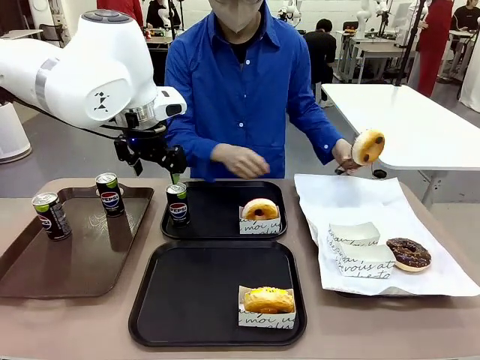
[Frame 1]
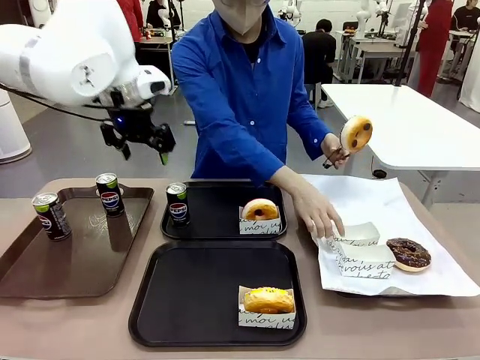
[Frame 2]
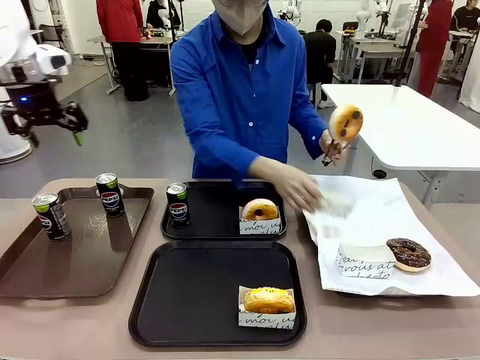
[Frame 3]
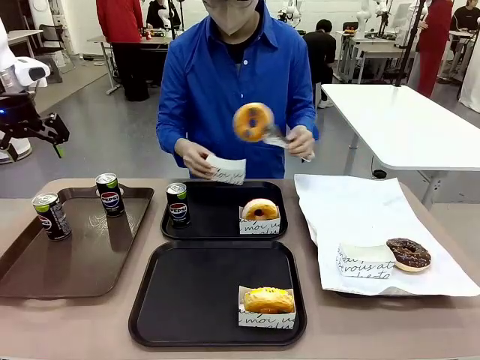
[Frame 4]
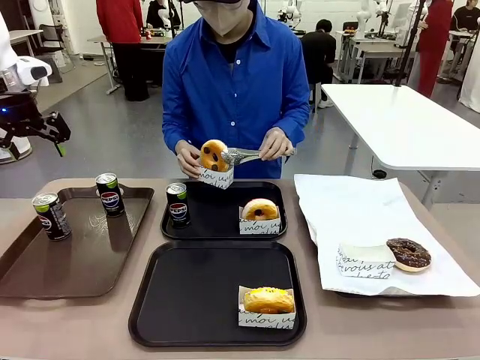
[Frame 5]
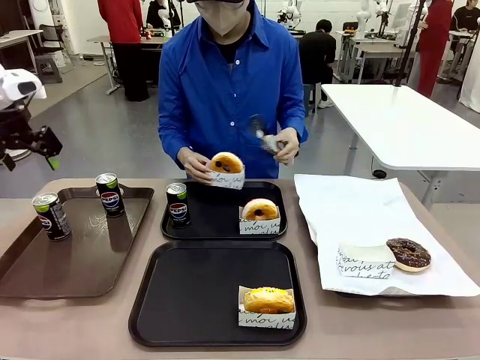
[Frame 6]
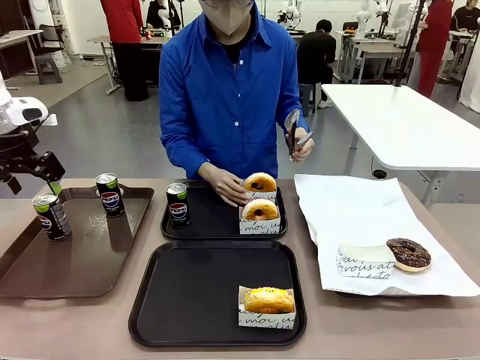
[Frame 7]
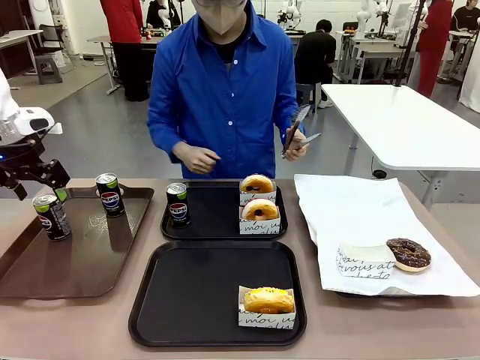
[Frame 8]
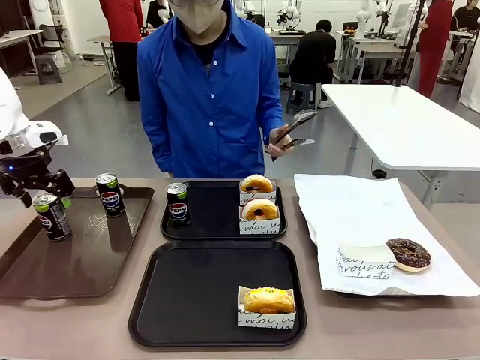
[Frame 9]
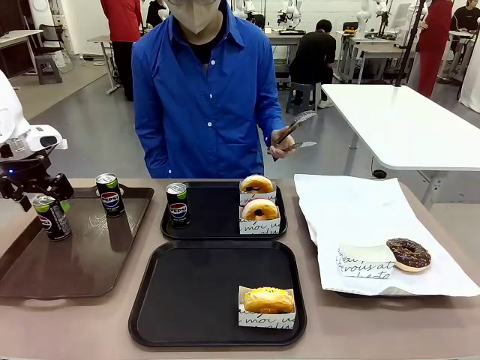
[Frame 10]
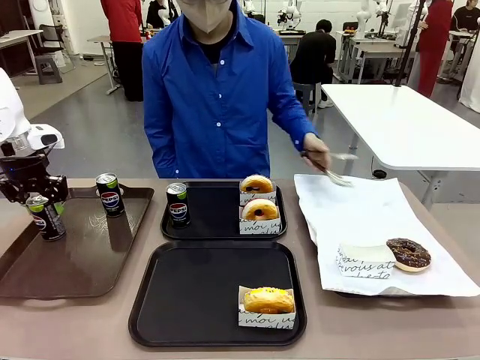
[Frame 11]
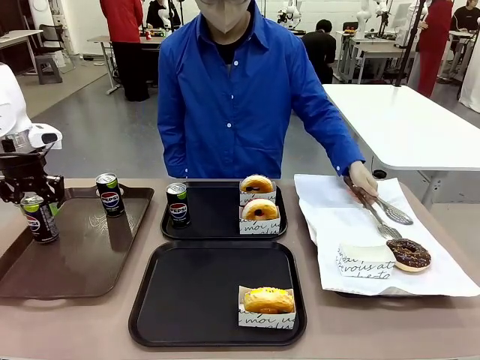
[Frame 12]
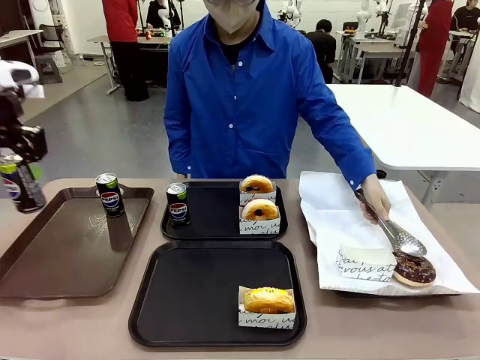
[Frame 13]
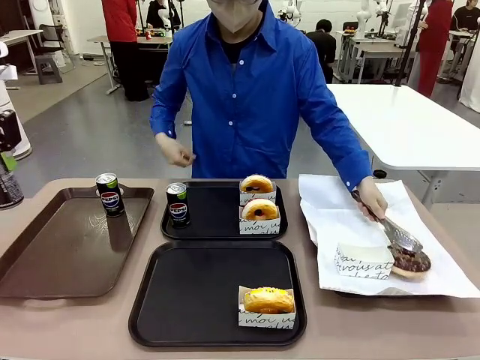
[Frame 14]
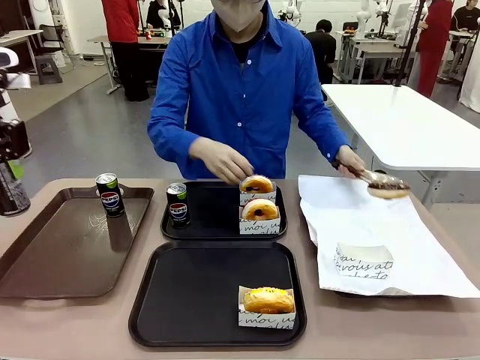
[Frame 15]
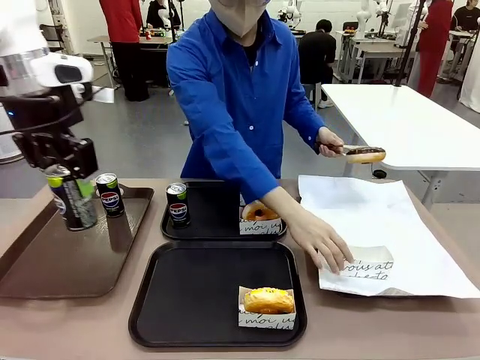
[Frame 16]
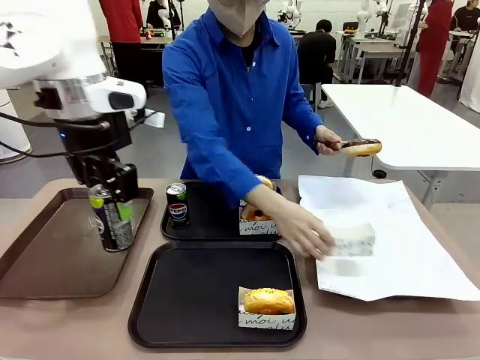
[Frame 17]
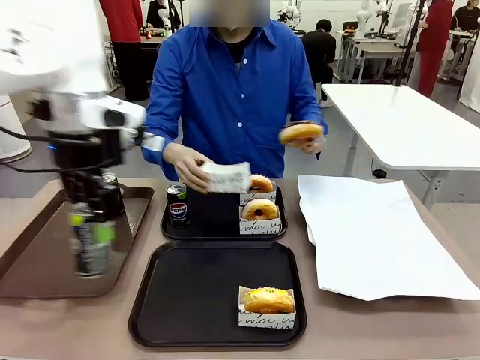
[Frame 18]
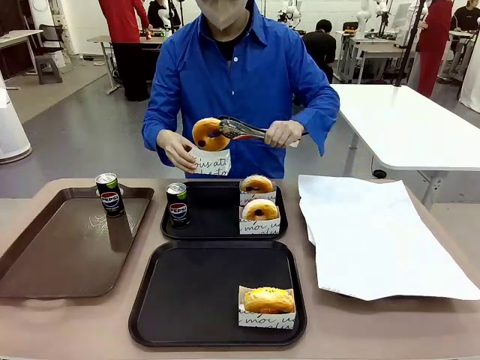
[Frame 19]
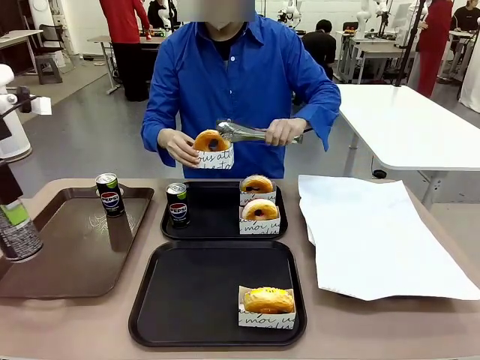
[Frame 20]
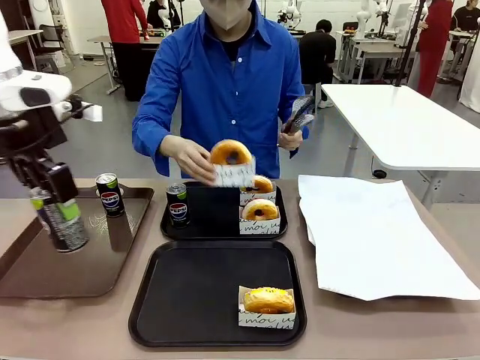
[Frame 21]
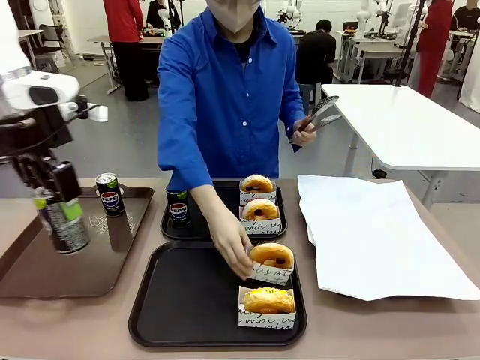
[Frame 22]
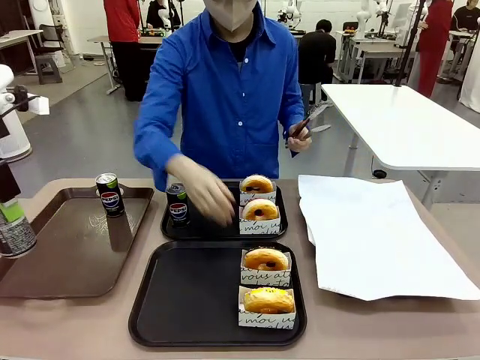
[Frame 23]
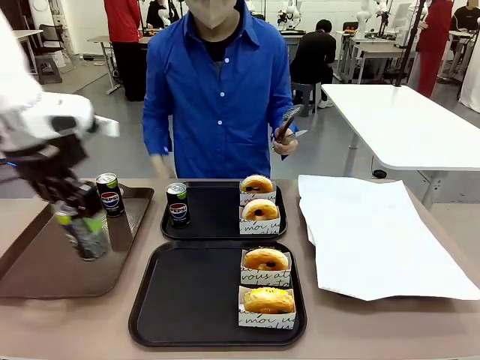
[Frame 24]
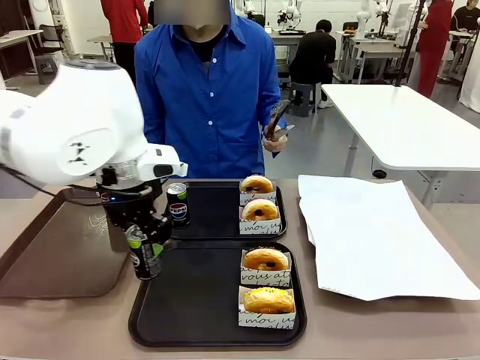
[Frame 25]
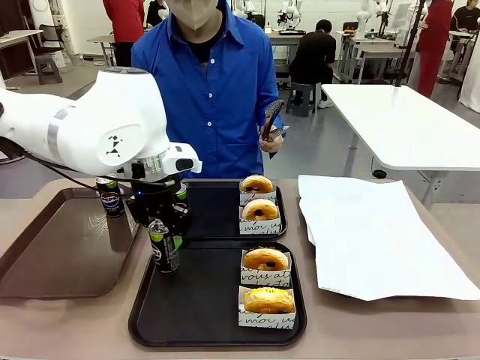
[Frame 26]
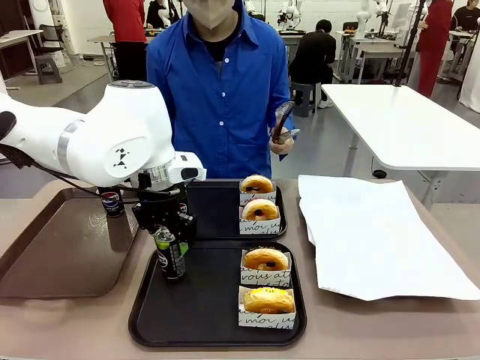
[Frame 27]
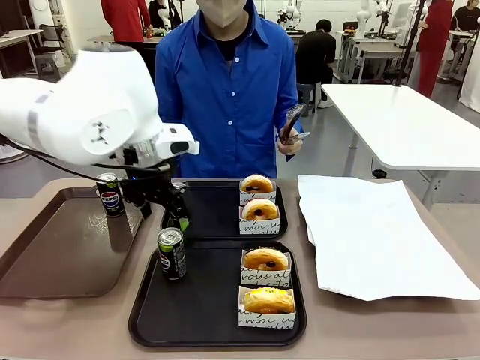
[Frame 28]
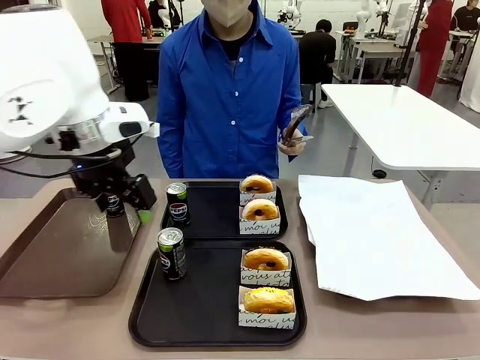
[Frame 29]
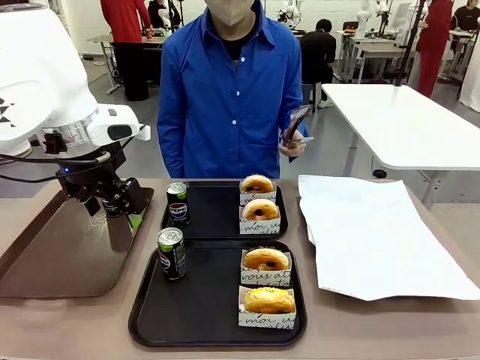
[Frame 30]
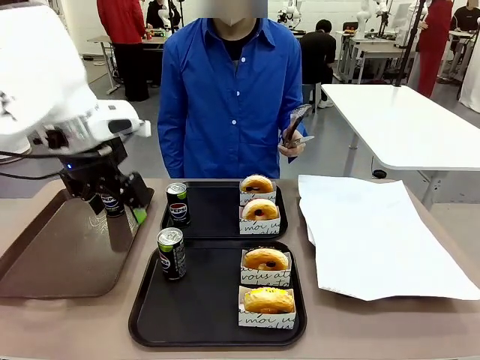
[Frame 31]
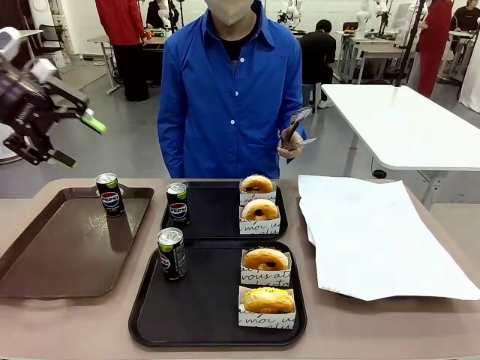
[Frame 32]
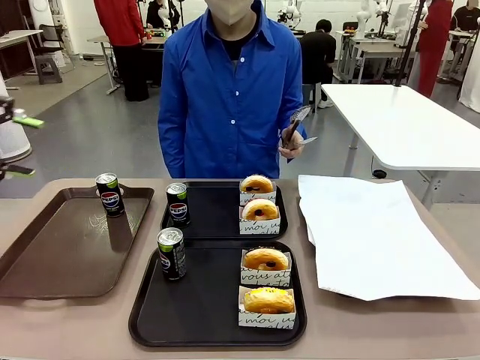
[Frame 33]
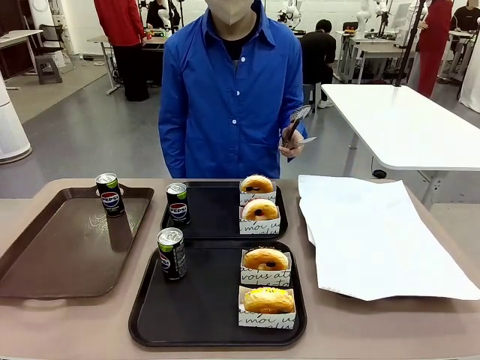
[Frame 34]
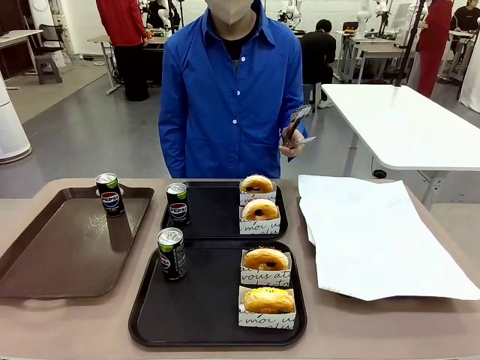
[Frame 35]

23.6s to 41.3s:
Task: Set up donuts and drinks on trays.
Robot: Pick up one Pepsi coke from the Handle tray and place it on the Flat Tray without a Pepsi coke.

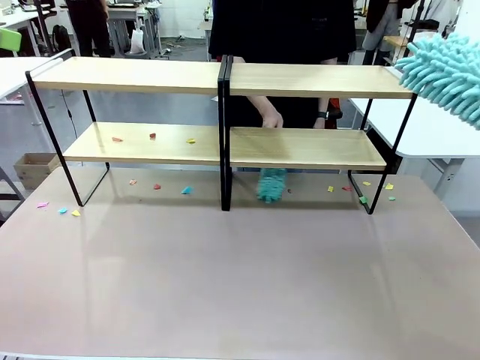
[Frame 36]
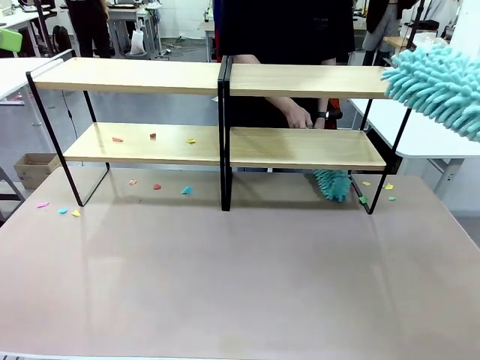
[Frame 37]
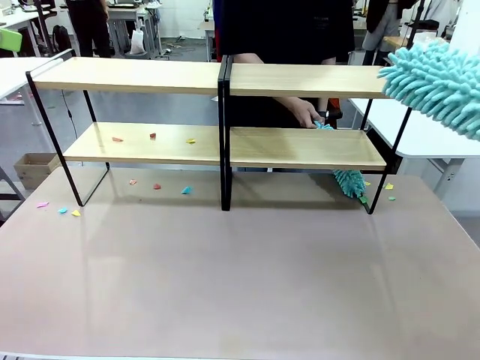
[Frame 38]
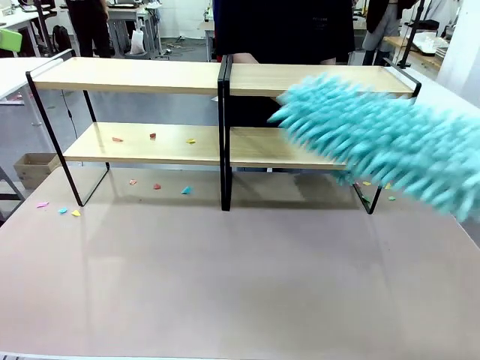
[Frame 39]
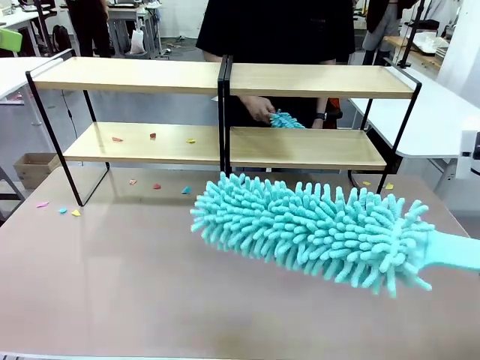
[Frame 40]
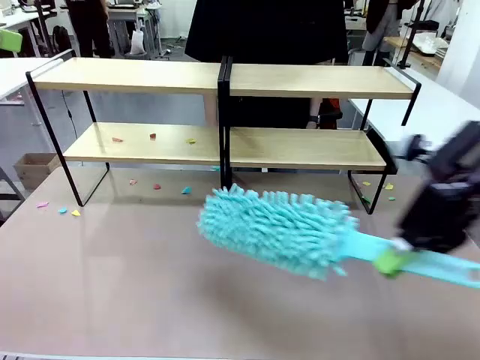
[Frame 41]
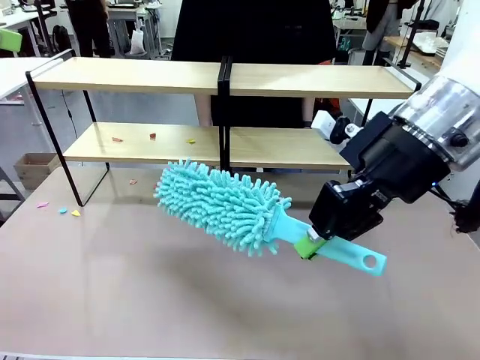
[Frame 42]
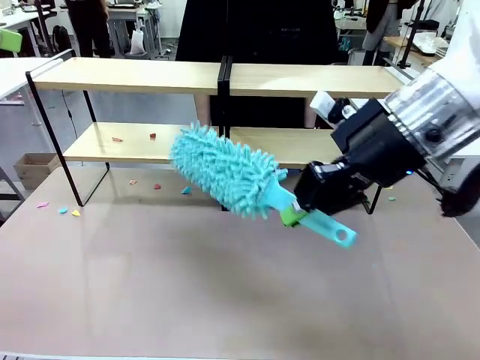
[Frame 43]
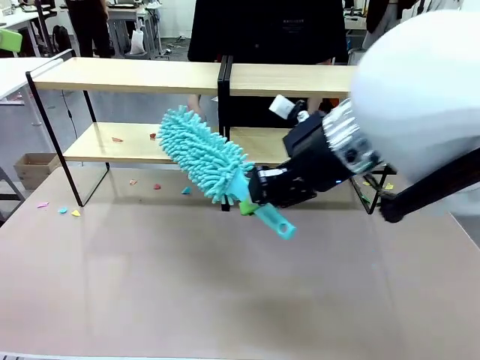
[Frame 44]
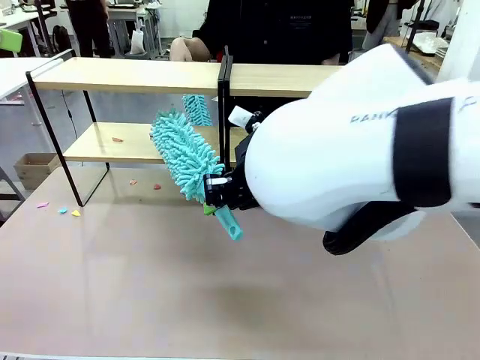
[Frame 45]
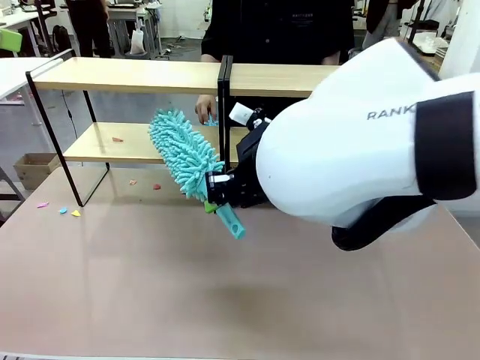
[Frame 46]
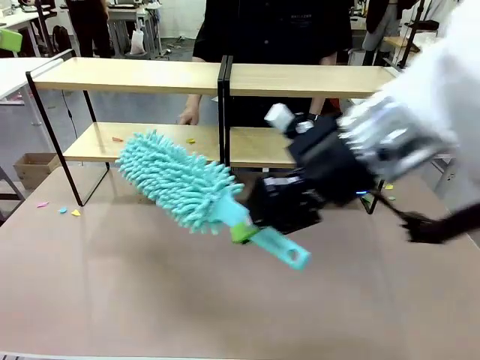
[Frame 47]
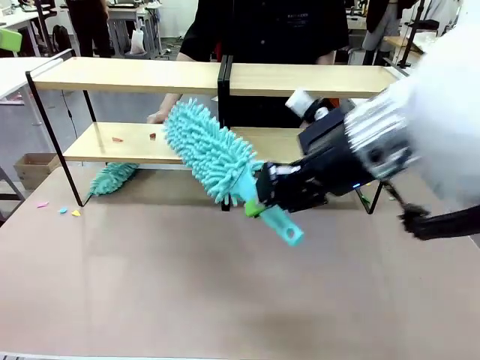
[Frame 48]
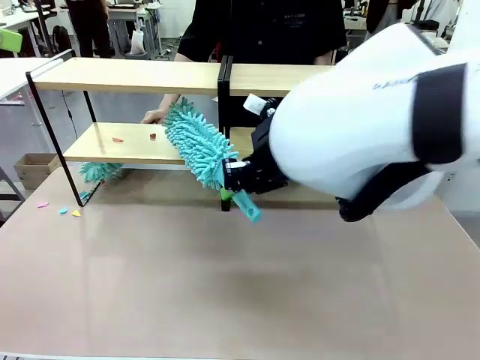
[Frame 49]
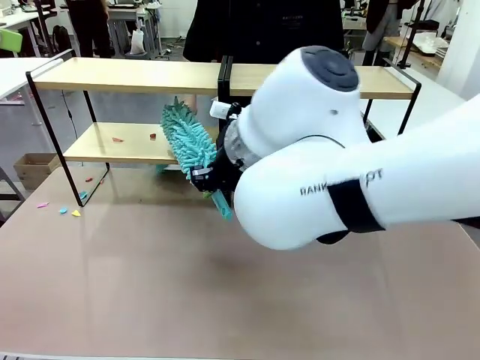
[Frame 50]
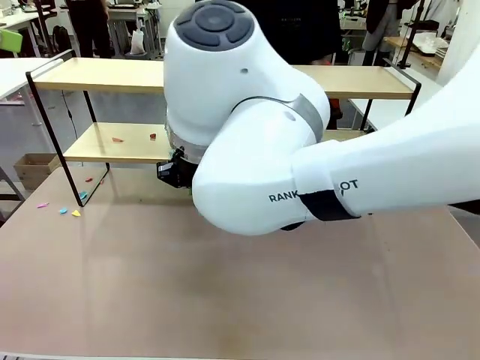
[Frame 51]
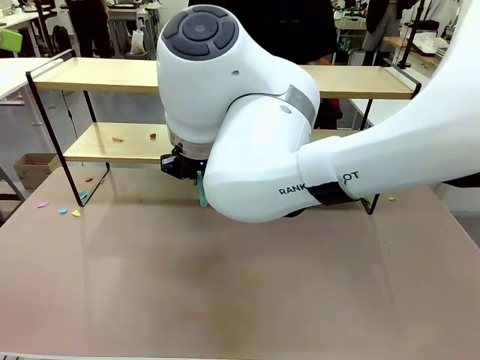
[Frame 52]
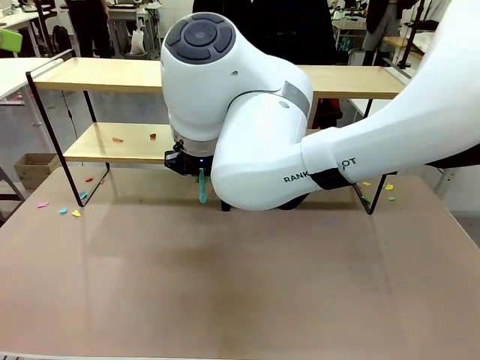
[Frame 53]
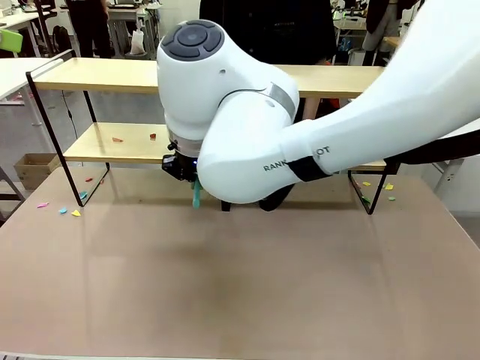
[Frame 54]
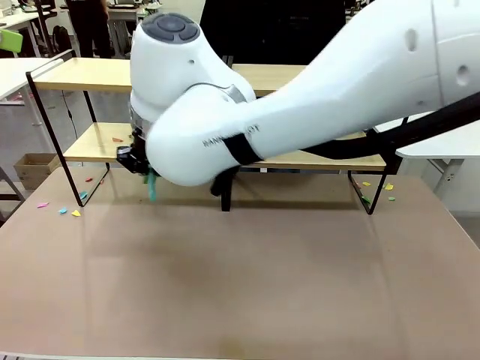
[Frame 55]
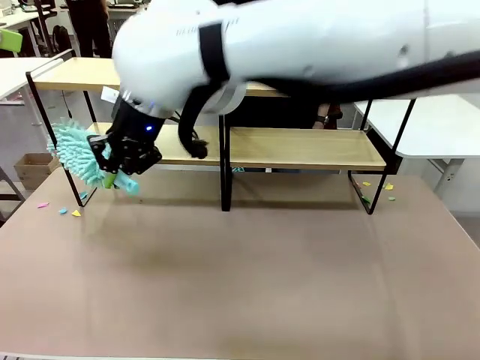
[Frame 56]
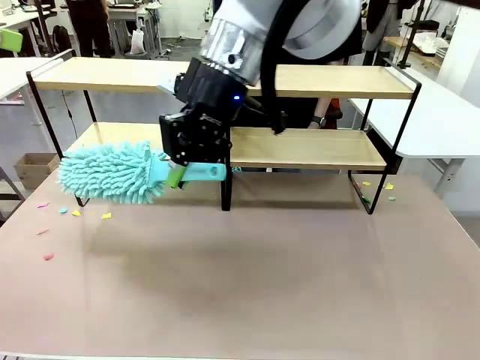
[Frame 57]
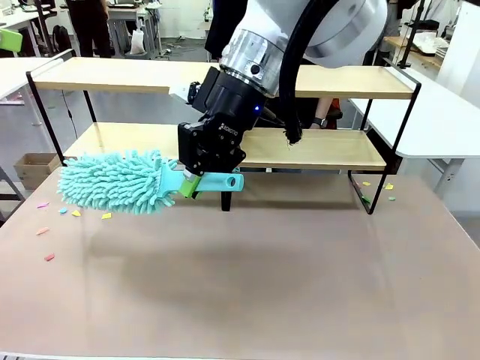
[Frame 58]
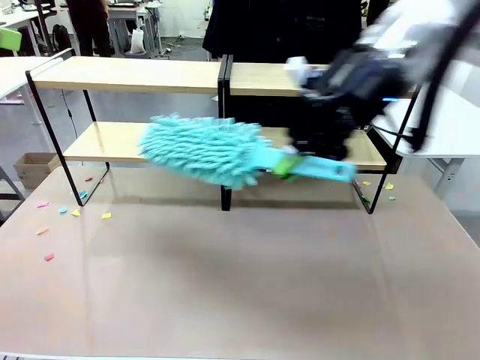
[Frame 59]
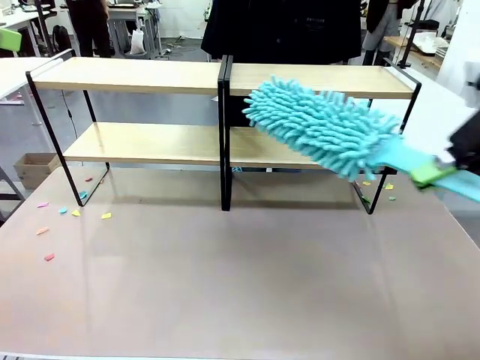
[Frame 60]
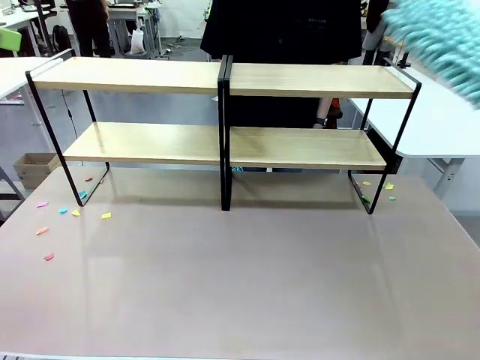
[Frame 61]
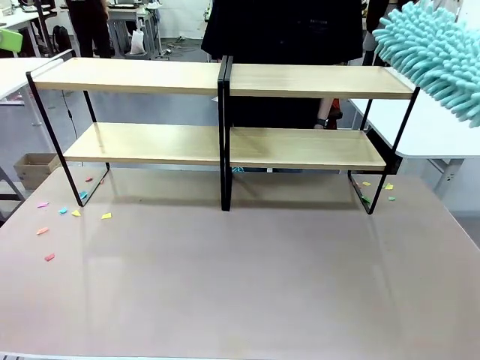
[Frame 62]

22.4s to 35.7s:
Task: Clean the shelves.
Robot: Clean another randomly selected level of the Shelf with the Duster.
